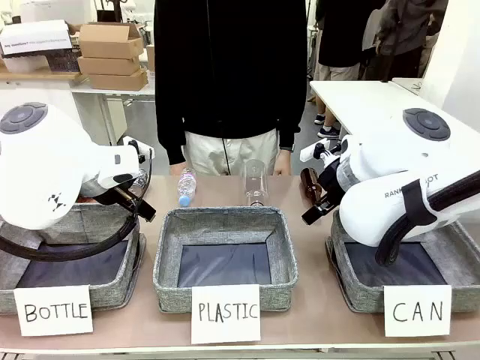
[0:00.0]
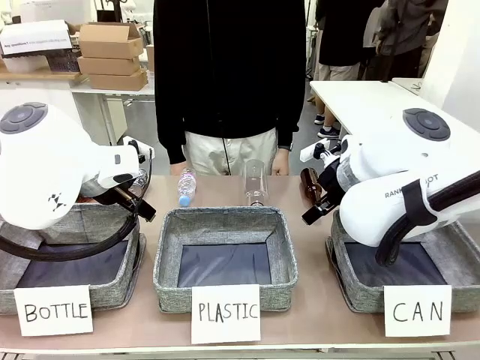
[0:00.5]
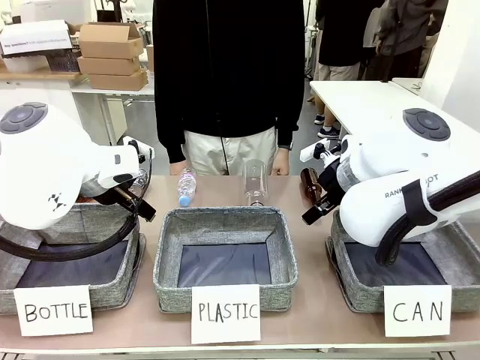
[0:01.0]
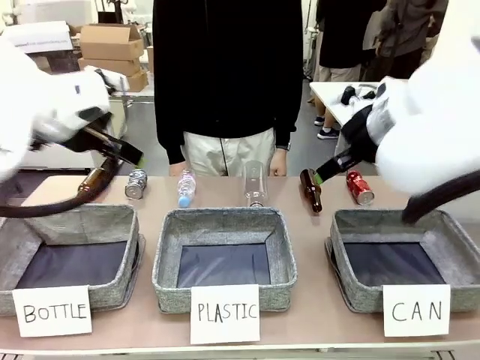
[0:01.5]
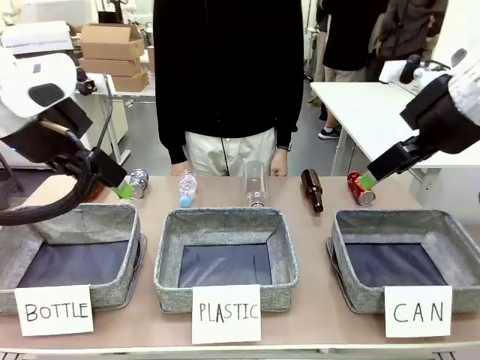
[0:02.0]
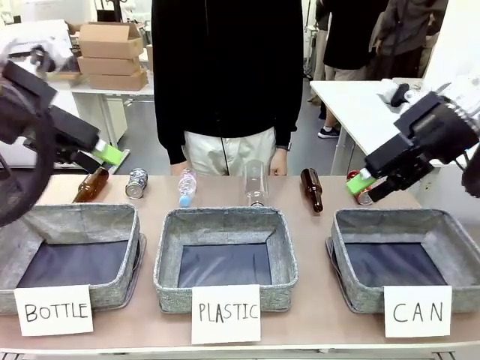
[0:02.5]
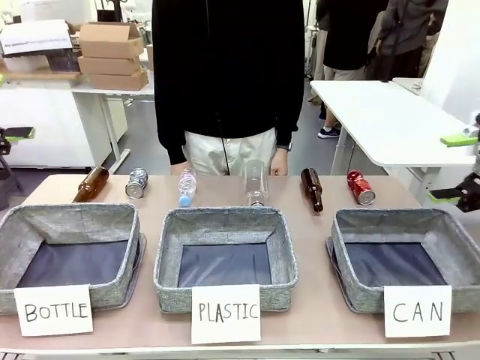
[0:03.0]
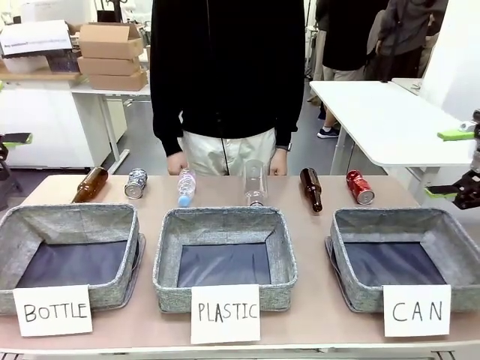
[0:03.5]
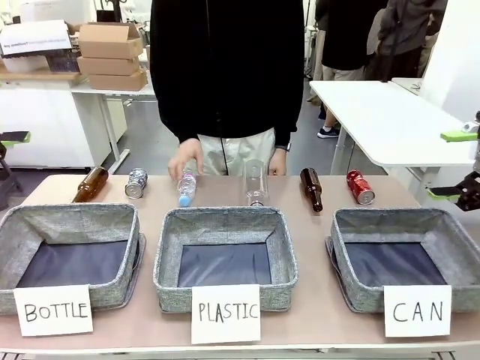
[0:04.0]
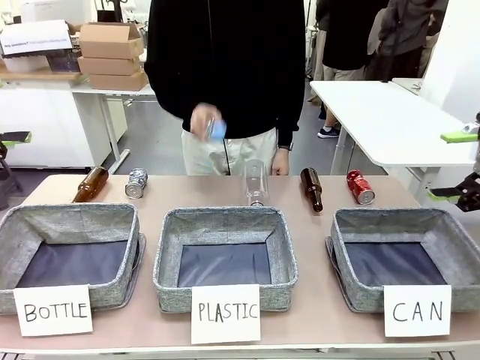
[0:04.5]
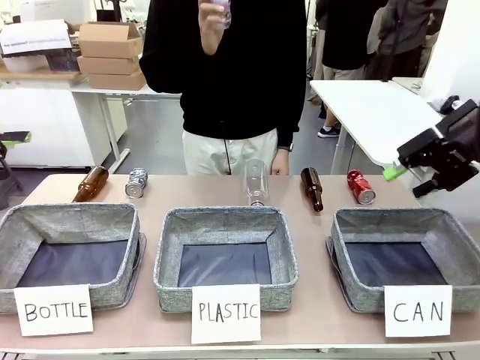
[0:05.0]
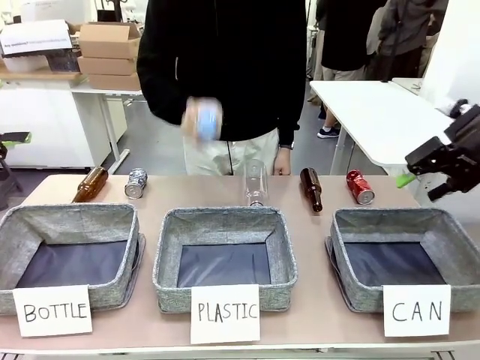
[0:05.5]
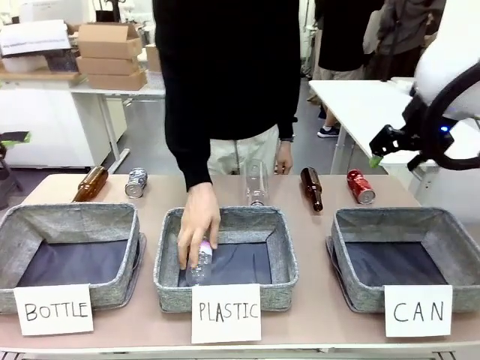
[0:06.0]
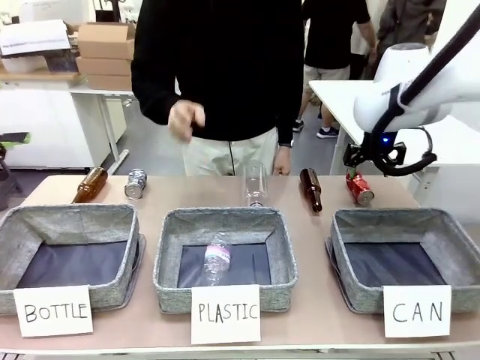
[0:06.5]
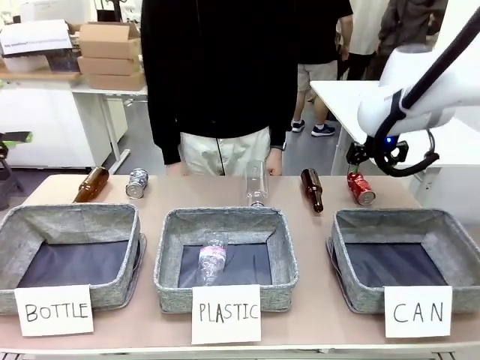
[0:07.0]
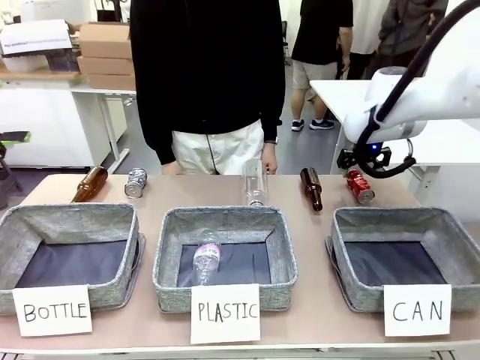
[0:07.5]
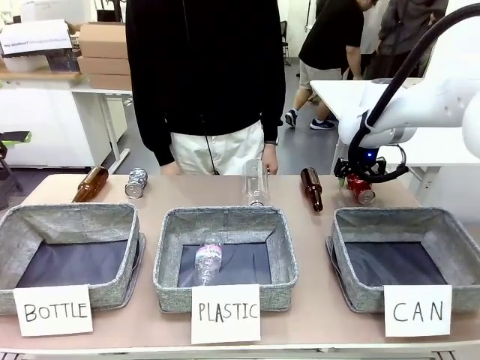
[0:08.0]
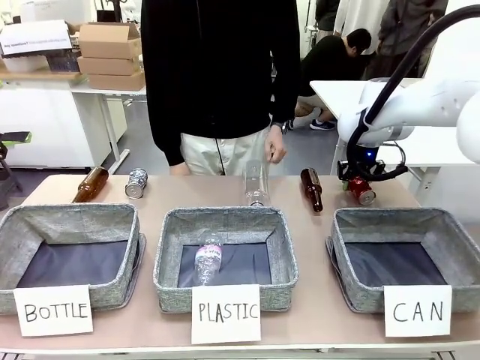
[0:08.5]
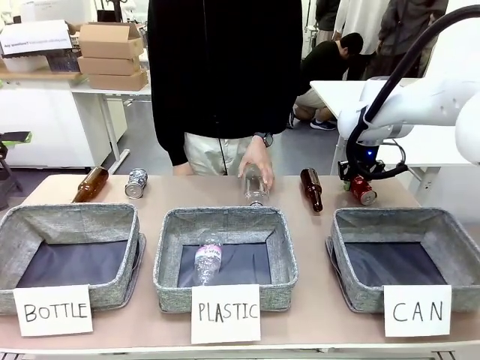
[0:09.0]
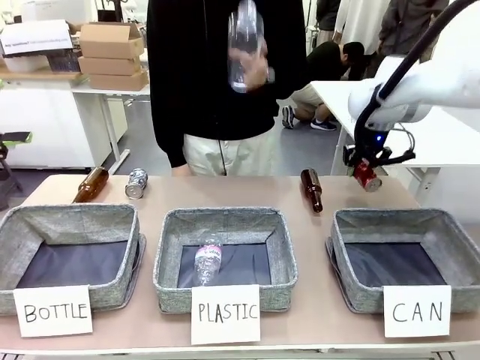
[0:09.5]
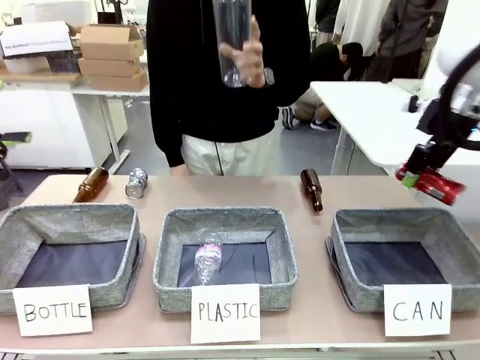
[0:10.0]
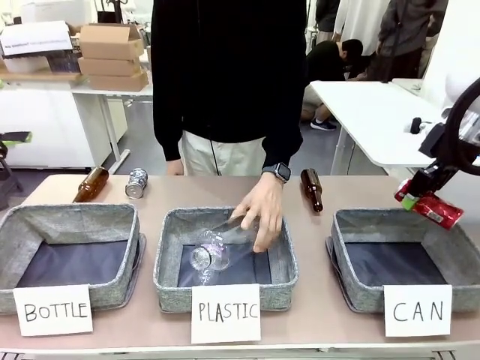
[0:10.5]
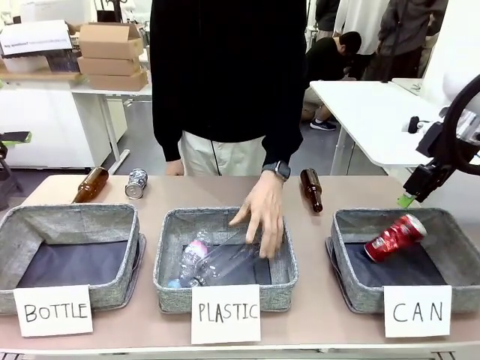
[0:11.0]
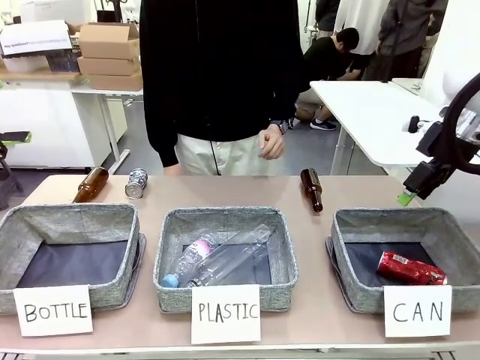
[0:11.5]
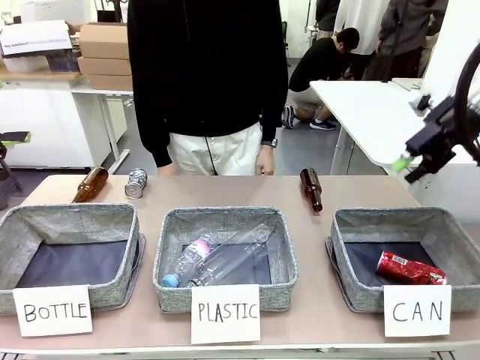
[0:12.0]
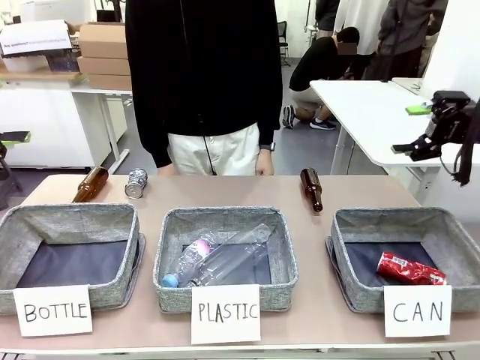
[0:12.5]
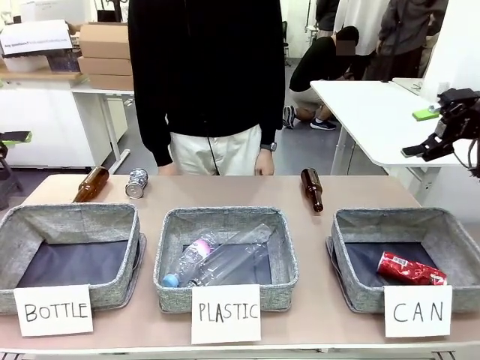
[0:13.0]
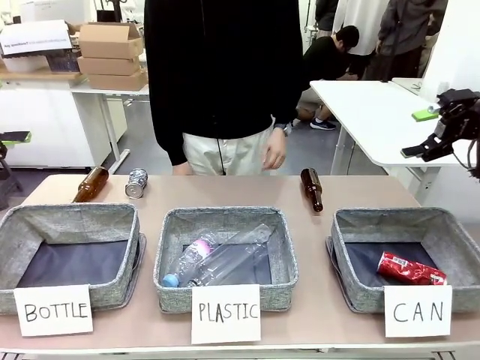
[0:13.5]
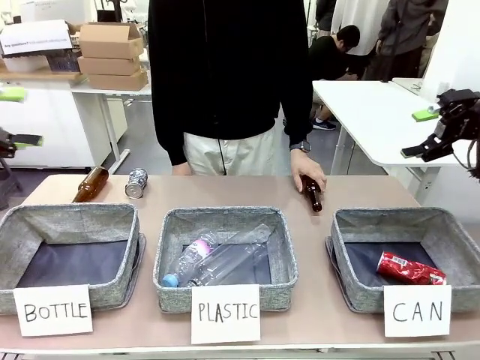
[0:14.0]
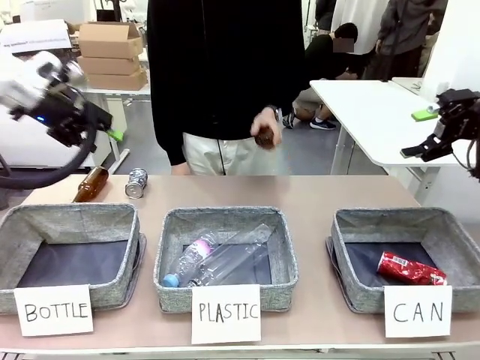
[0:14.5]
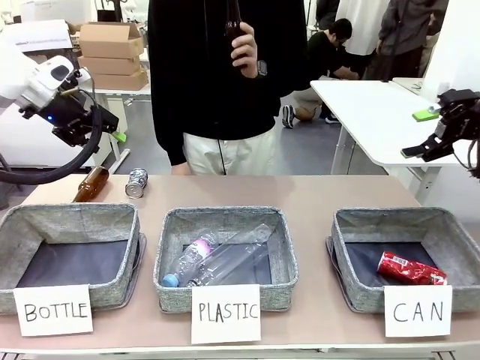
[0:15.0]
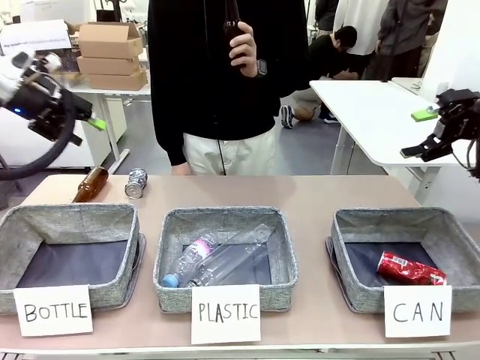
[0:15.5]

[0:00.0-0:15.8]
Task: Sort the can waste into the basket.
Robot: Pick up the can waste from the table and place it in the right Fabric basket.

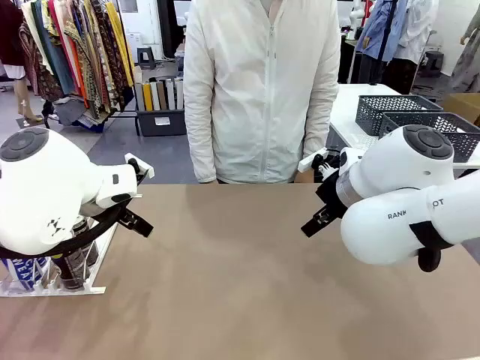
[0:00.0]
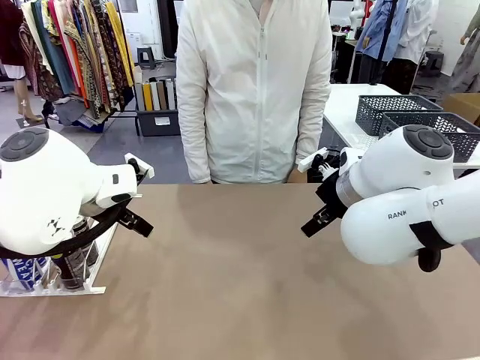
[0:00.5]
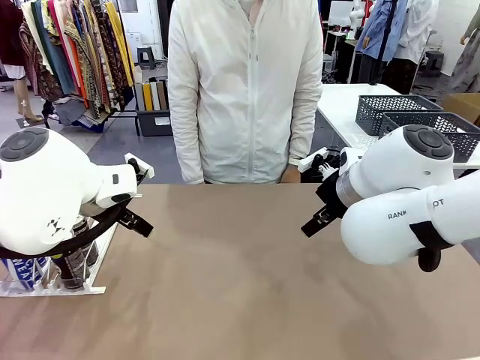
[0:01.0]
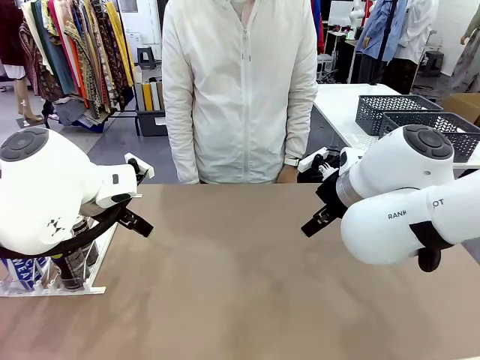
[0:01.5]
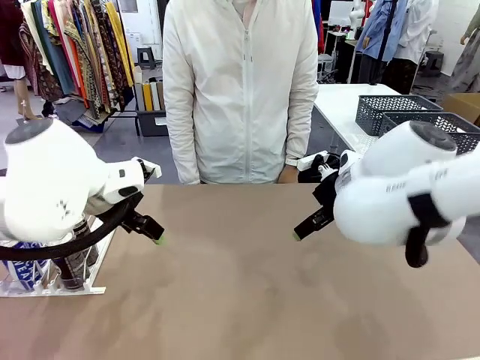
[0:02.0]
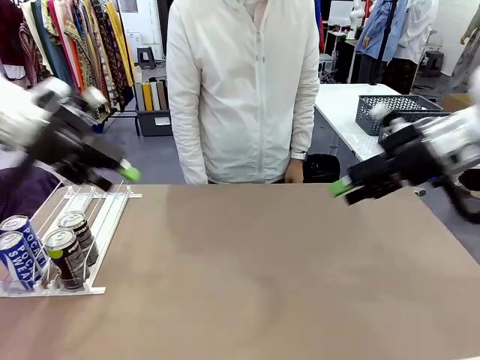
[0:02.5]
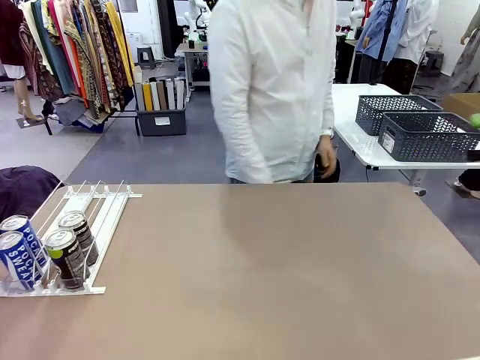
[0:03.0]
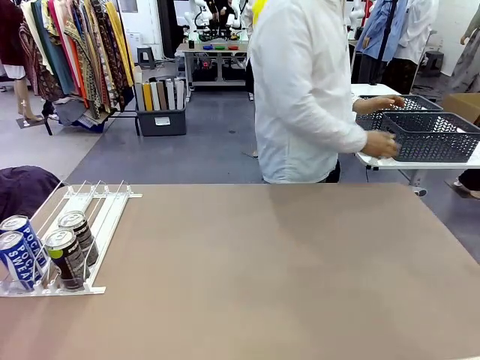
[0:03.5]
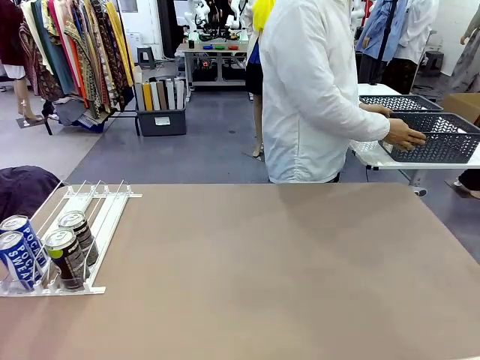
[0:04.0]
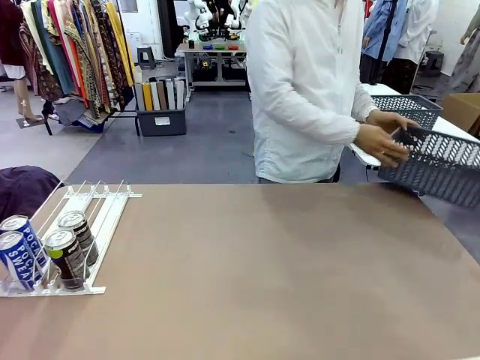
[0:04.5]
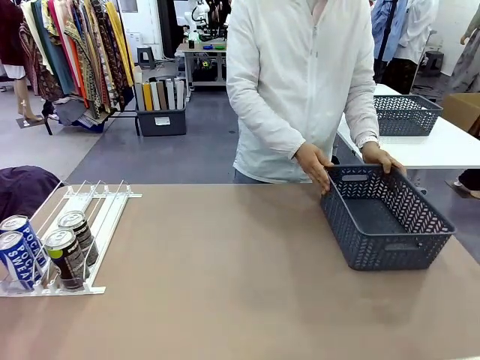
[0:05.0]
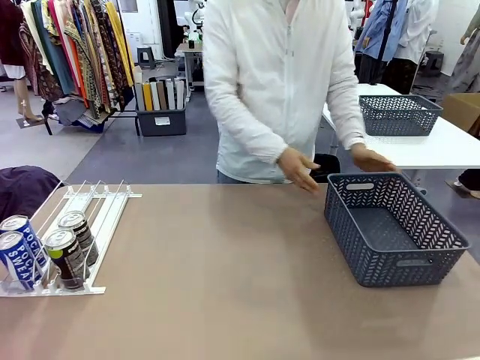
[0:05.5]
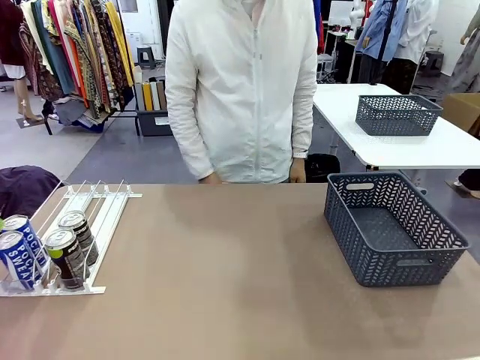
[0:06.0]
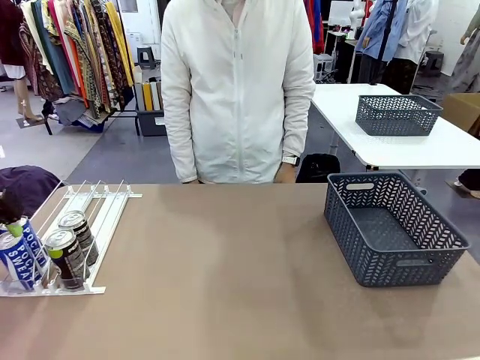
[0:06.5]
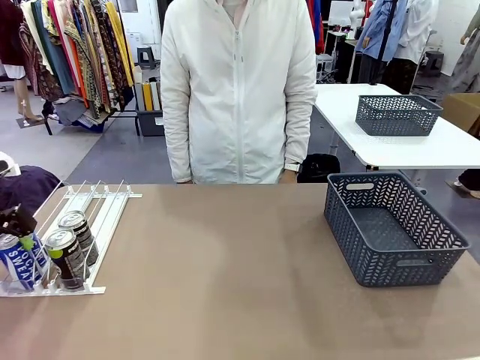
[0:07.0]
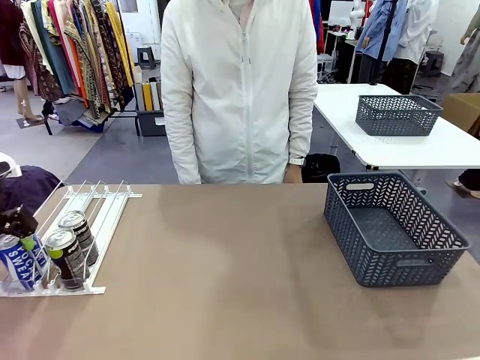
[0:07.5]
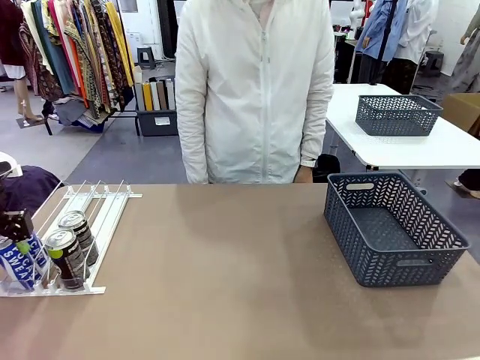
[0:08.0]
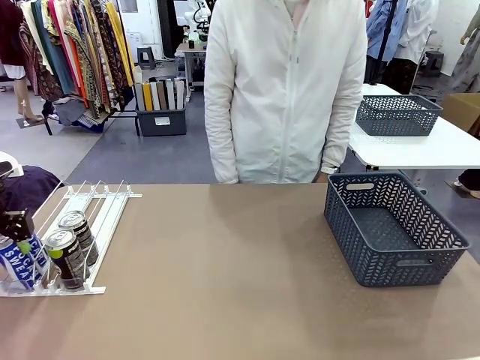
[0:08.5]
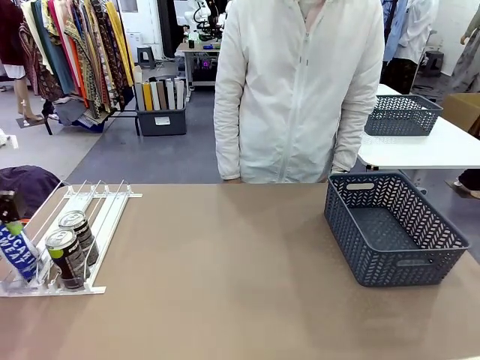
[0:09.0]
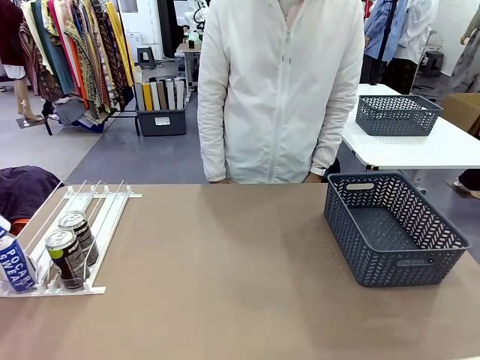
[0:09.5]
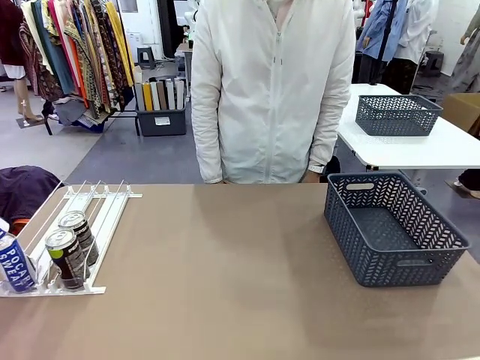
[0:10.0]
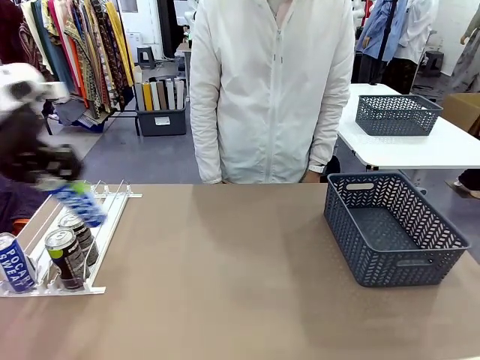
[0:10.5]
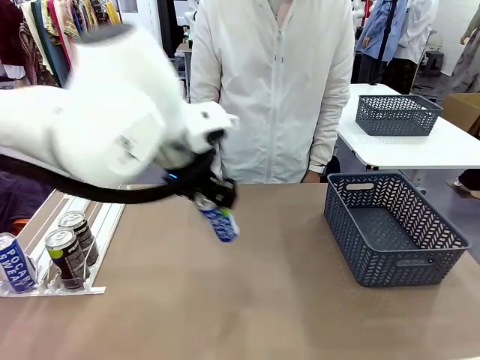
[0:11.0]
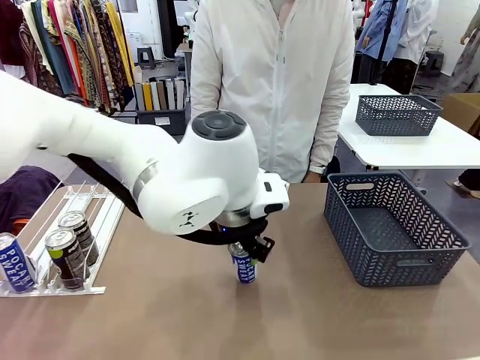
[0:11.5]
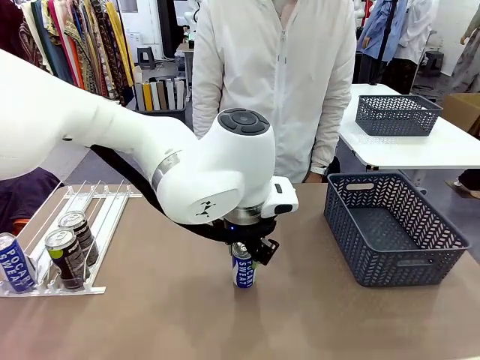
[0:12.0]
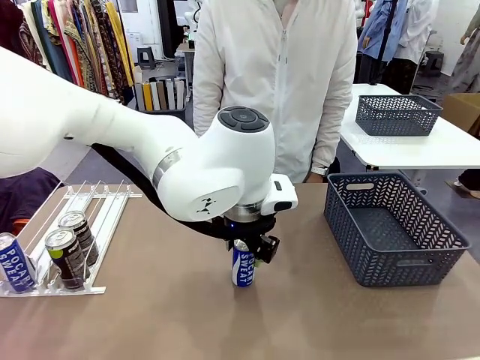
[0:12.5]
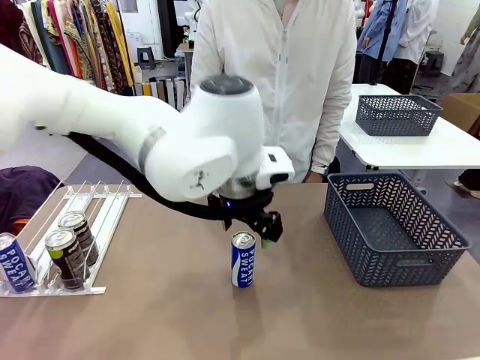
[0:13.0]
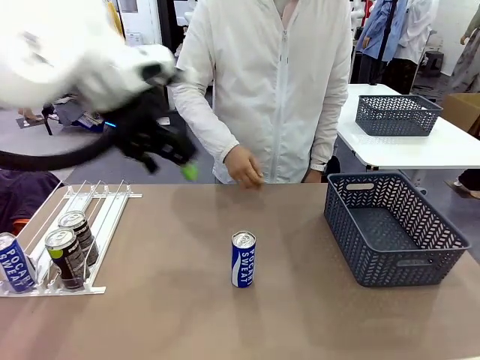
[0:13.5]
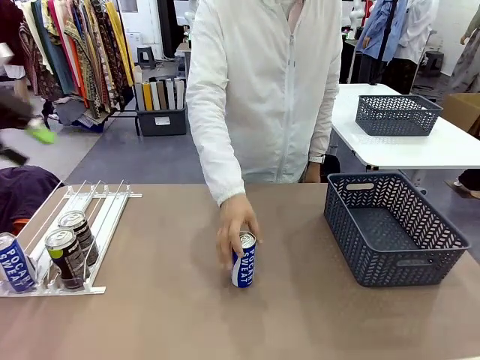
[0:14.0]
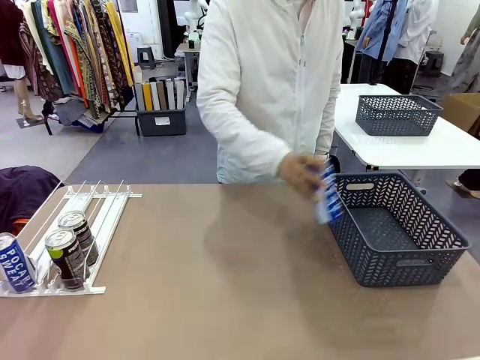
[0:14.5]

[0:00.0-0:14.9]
Task: Retrieve and store the cans from the dispenser.
Robot: Pick up one can from the Automatic Can Dispenser and place it in the middle of the table.
Person: Pick up the basket and place it on the left side of the robot table.
